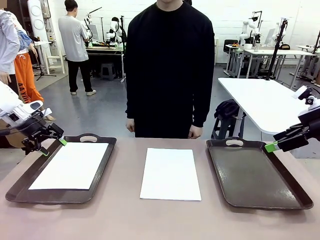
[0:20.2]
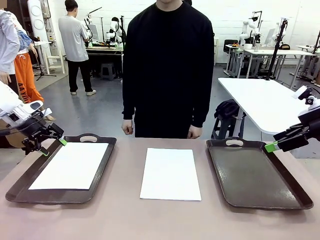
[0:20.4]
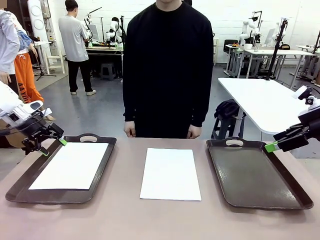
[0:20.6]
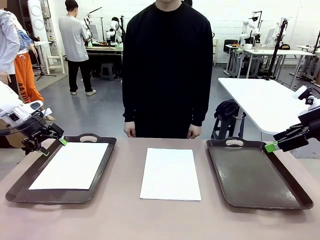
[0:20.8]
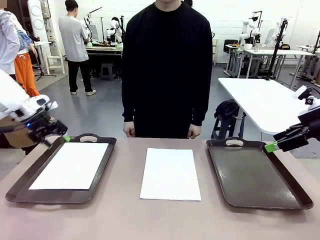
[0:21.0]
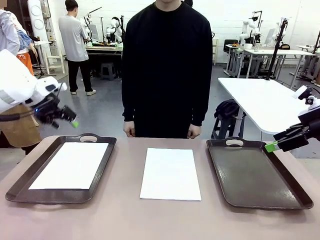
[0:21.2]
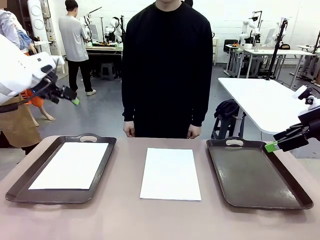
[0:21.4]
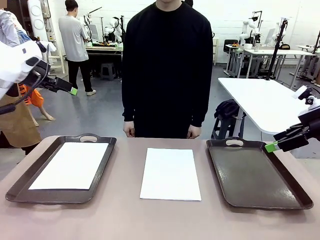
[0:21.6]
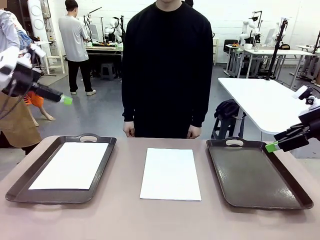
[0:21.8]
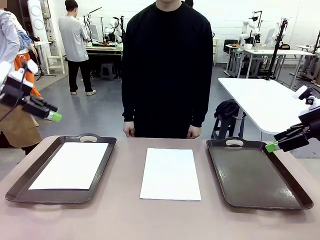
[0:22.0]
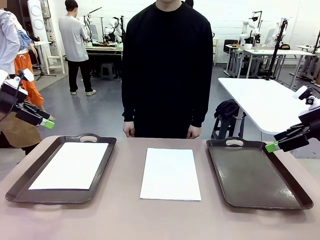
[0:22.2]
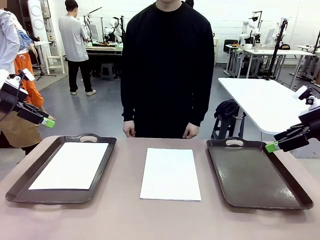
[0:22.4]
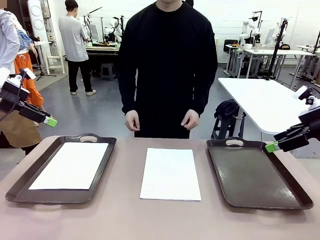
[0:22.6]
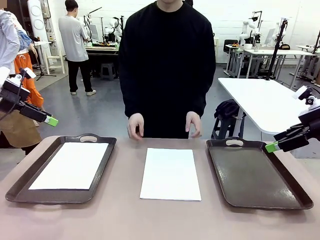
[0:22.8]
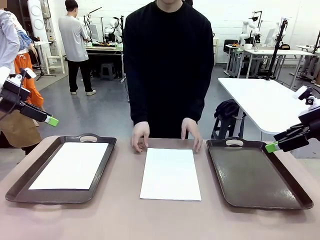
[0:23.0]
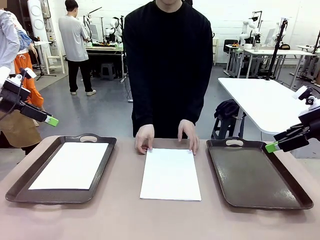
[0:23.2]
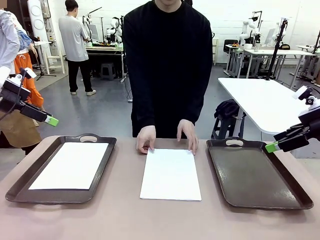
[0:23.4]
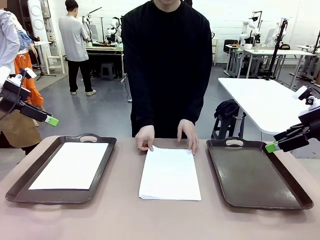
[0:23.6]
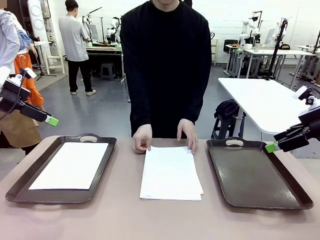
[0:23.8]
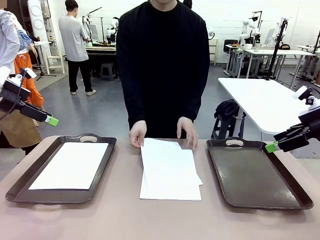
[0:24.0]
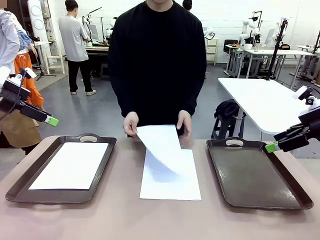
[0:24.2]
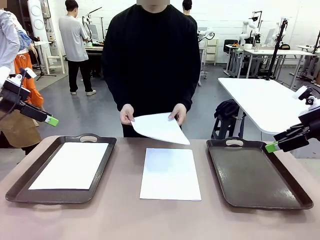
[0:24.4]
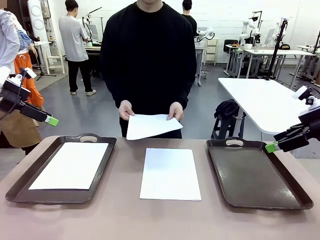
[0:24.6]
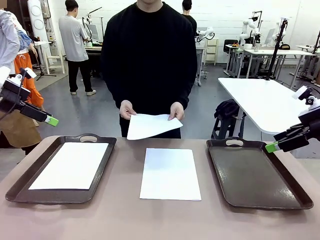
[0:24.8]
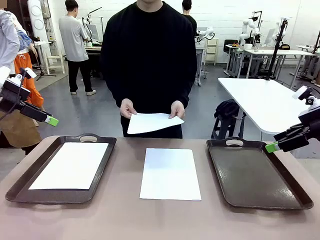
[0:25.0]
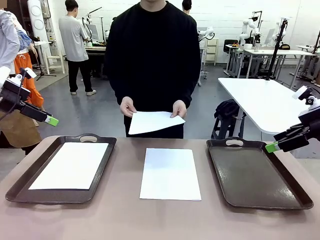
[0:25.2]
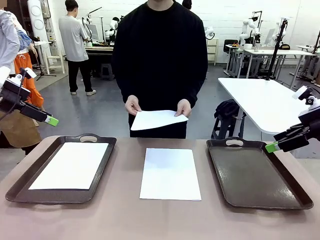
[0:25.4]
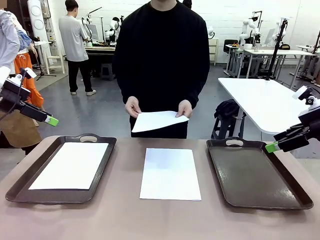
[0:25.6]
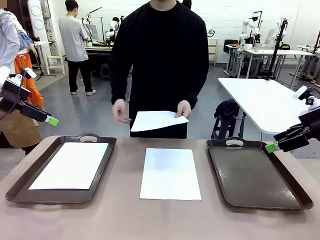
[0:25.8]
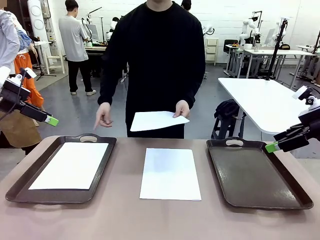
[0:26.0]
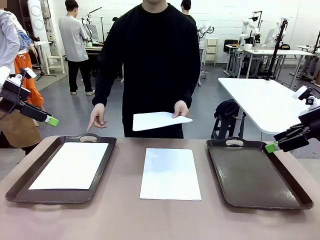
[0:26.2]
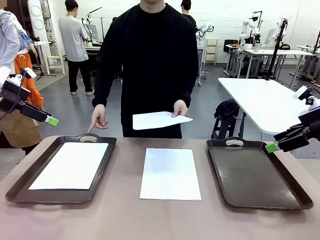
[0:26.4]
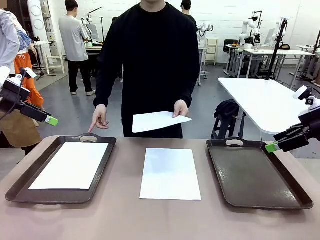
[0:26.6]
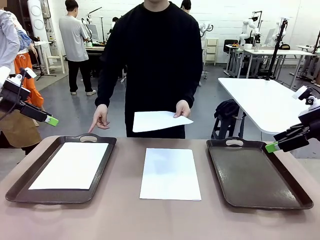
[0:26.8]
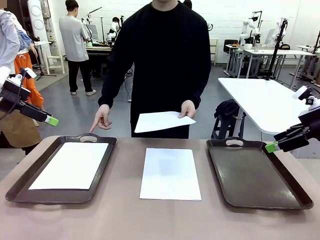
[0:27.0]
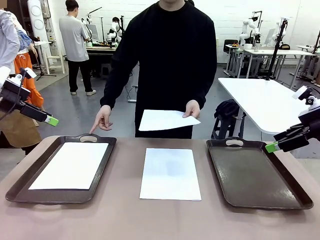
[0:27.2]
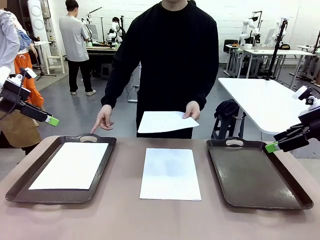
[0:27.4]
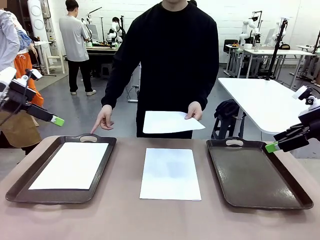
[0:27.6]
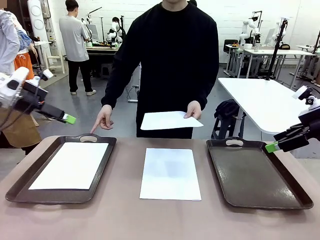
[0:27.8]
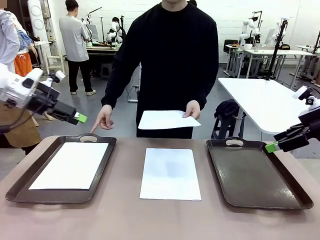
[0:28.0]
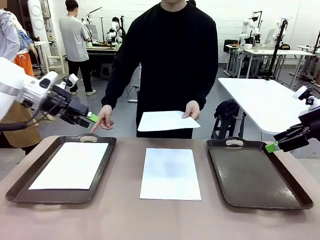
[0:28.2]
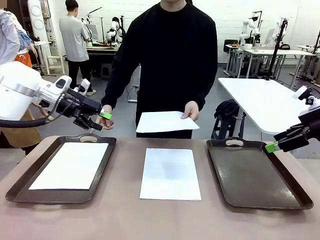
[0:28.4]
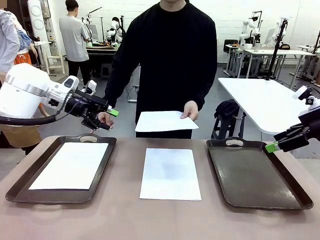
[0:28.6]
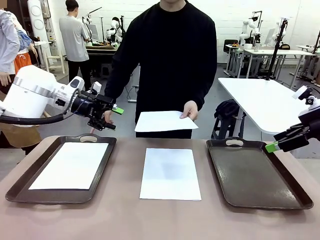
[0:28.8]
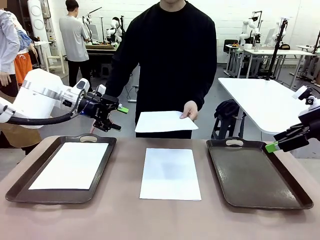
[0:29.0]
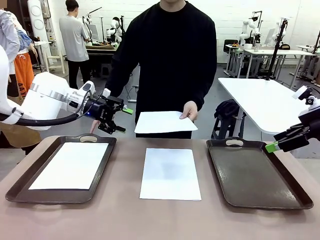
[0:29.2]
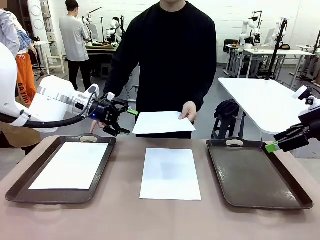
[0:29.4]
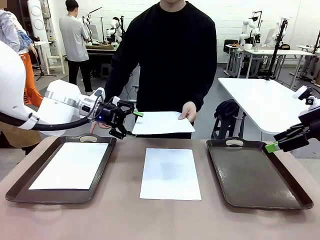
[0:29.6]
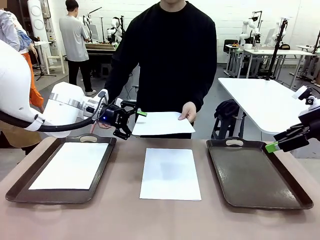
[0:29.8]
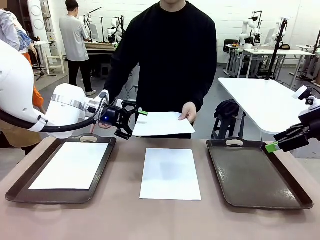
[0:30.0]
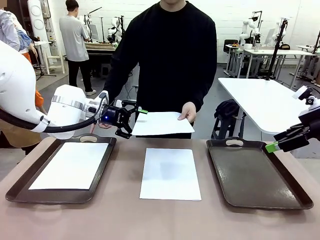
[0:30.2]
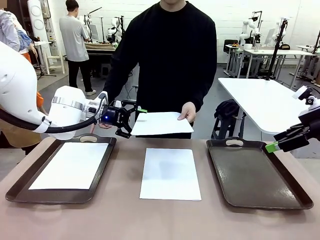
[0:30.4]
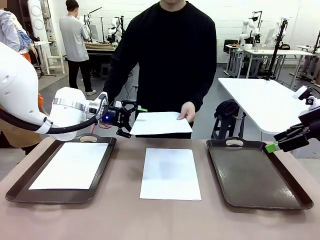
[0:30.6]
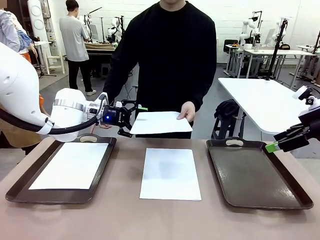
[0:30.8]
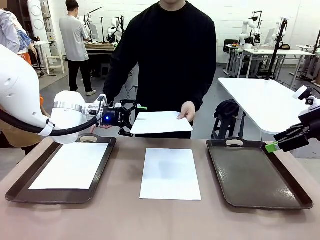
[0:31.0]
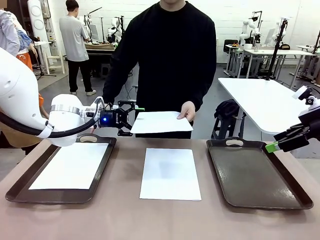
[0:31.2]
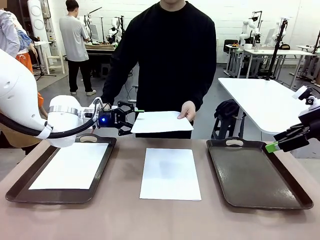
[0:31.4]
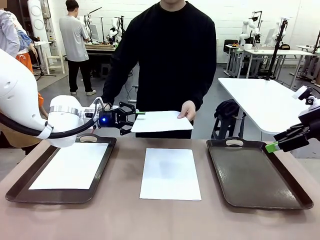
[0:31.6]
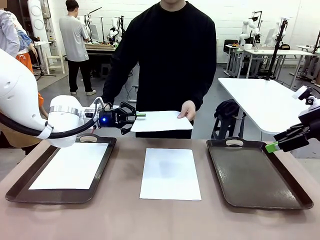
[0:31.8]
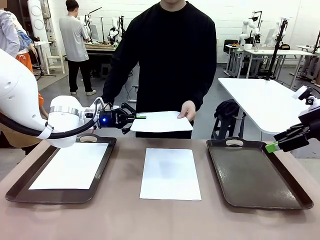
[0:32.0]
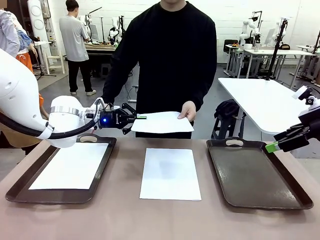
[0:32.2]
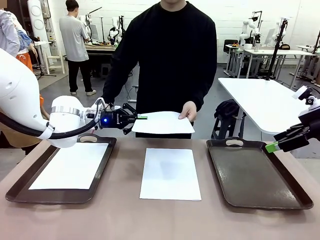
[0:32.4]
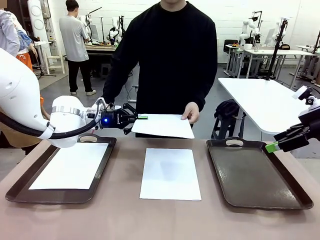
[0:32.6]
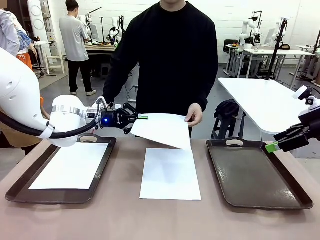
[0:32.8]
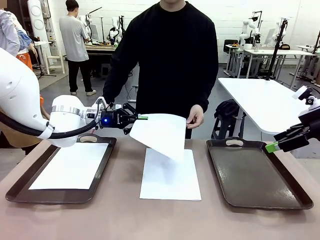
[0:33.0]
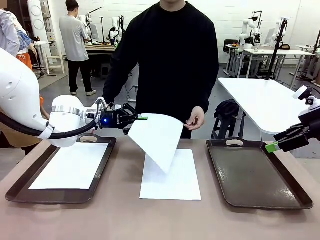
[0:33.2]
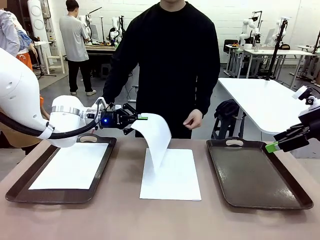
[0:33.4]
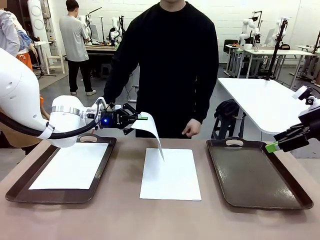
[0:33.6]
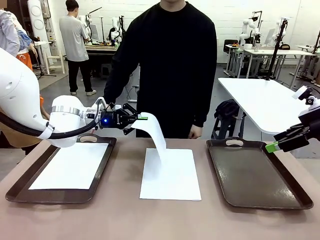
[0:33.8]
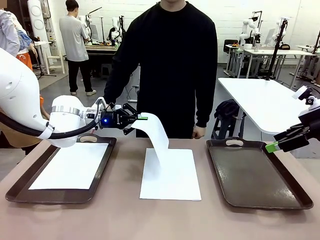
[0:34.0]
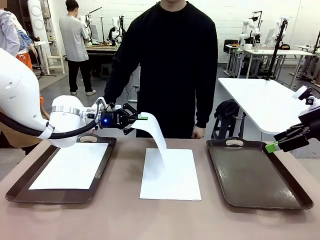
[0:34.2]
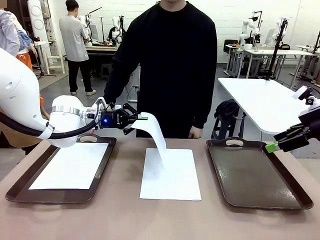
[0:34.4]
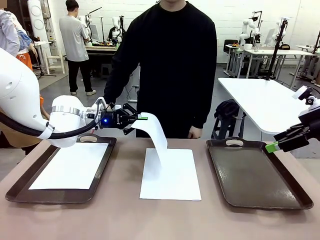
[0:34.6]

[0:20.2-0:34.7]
Task: Sort the A4 documents.
Robot: Receive the A4 Paper.
Person: Point the randomly selected tray with the other hand.

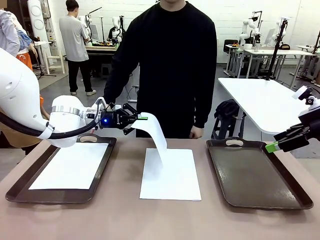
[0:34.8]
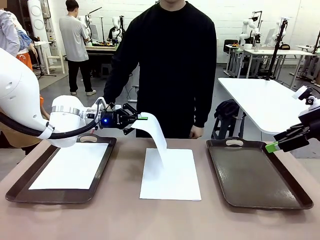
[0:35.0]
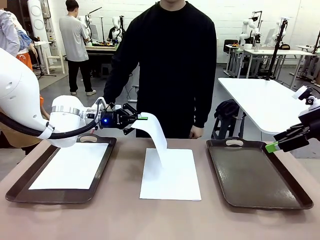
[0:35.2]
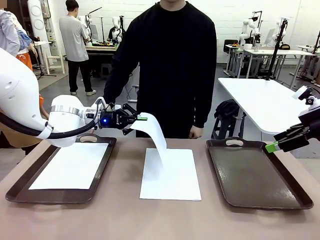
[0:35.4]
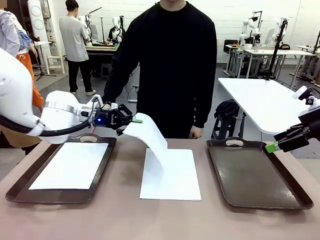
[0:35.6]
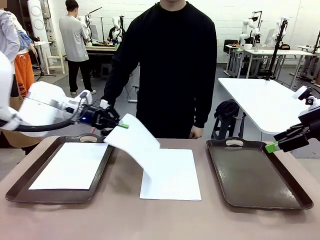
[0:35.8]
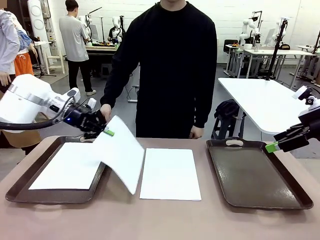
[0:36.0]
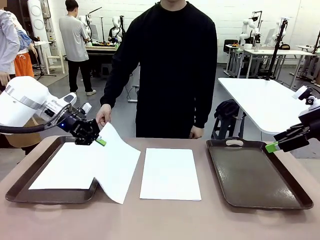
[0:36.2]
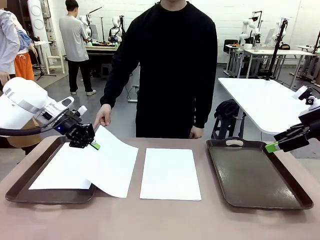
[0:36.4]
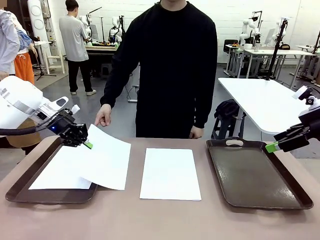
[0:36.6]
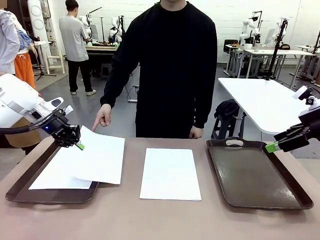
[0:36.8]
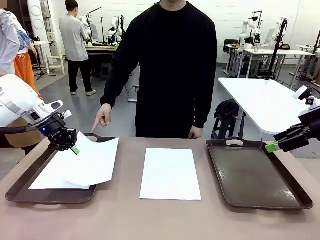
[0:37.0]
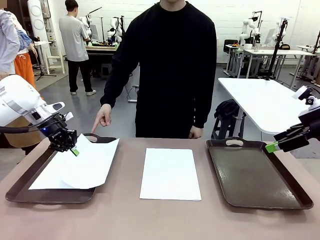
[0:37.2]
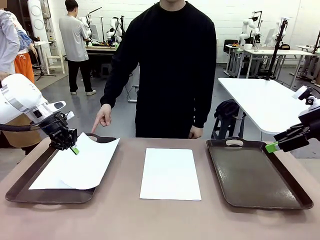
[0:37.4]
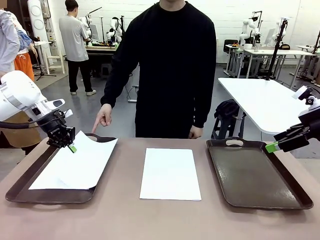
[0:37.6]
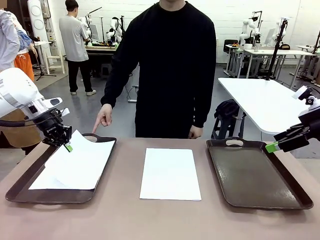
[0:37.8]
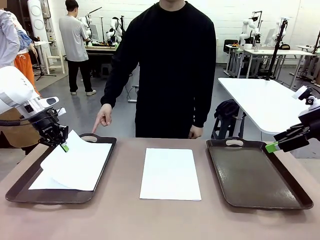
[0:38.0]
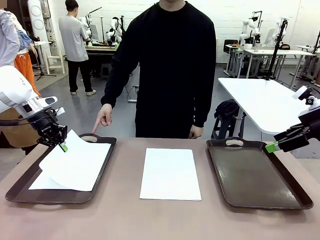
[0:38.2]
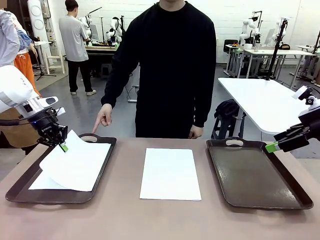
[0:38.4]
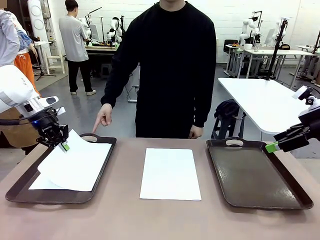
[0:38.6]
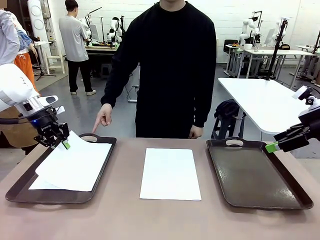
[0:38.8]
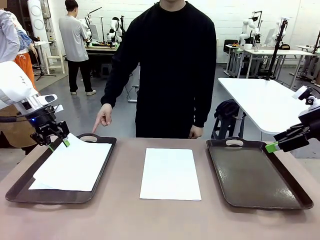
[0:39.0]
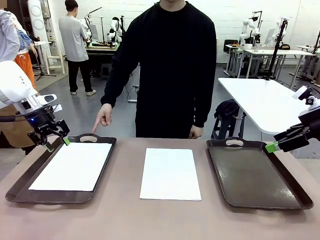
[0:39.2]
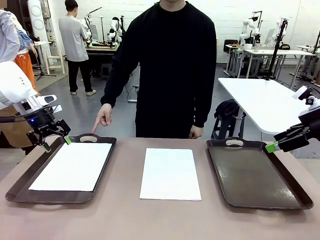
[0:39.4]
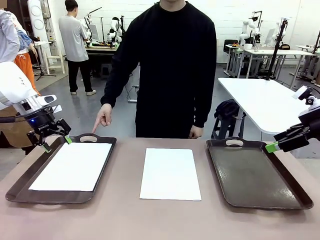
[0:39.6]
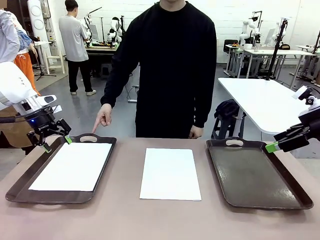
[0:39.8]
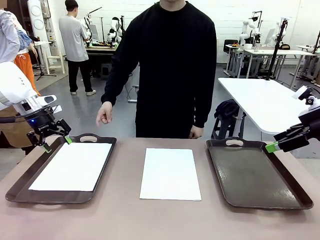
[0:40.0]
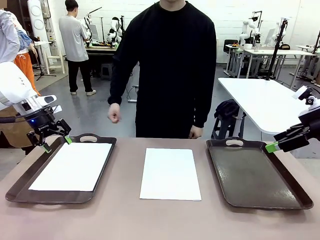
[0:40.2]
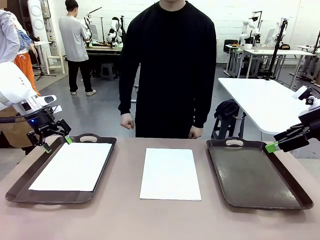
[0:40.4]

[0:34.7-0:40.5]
Robot: Place the A4 Paper in the designated Handle tray.
